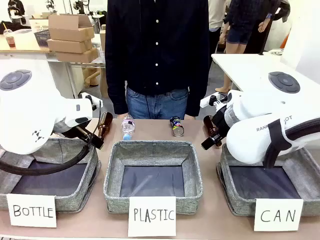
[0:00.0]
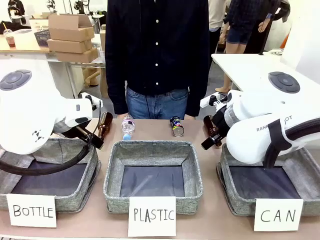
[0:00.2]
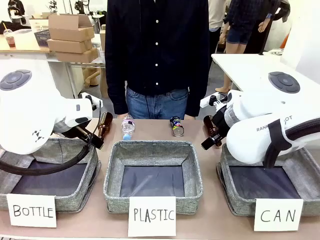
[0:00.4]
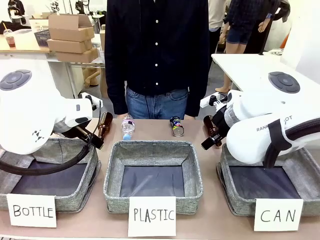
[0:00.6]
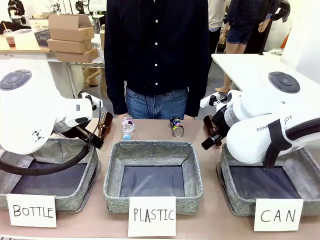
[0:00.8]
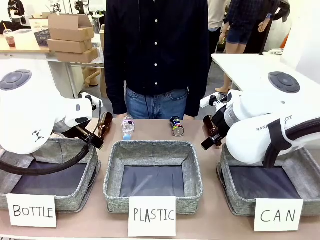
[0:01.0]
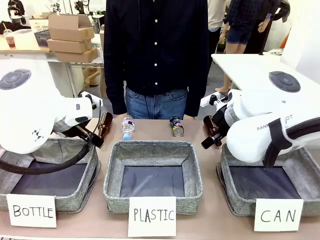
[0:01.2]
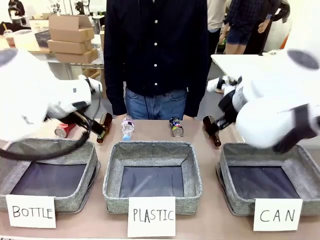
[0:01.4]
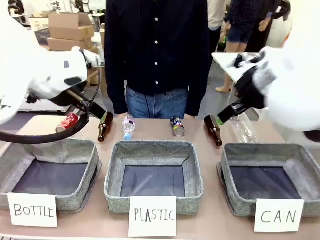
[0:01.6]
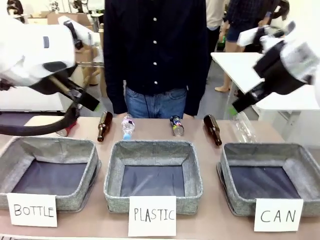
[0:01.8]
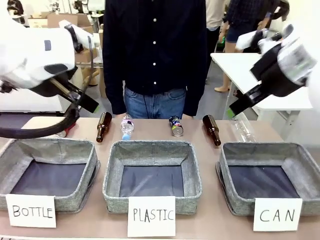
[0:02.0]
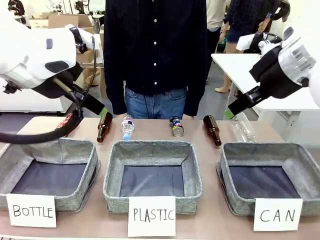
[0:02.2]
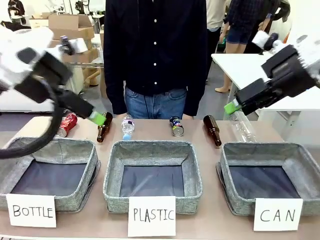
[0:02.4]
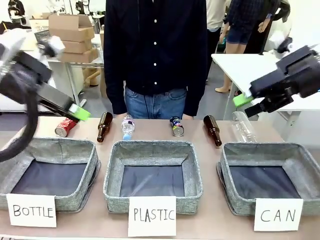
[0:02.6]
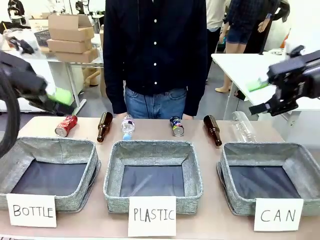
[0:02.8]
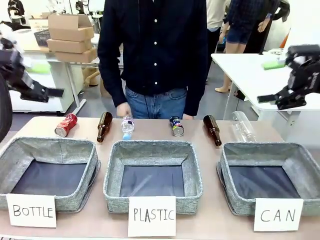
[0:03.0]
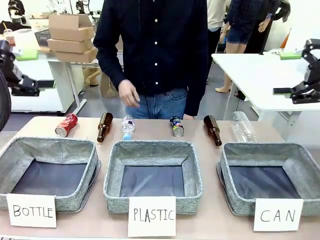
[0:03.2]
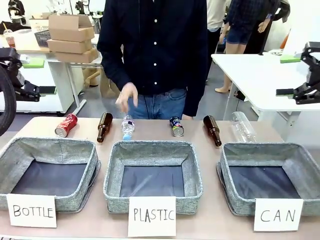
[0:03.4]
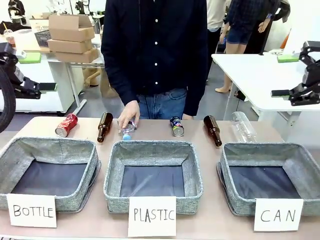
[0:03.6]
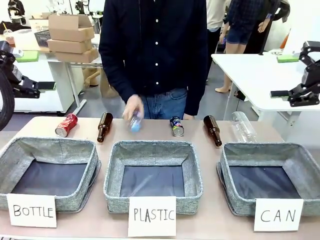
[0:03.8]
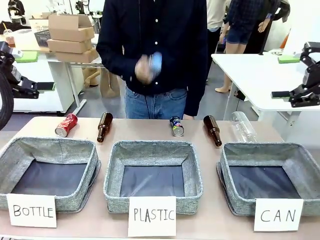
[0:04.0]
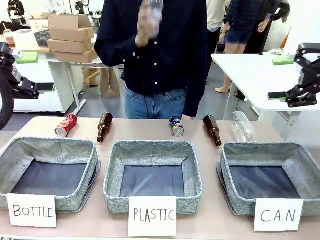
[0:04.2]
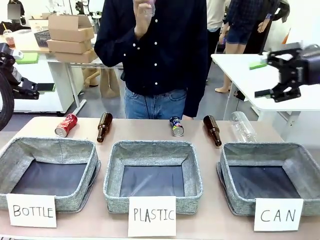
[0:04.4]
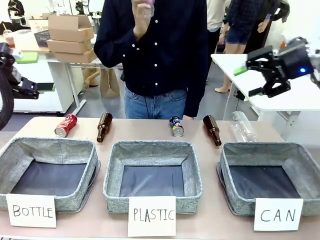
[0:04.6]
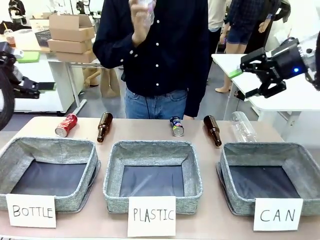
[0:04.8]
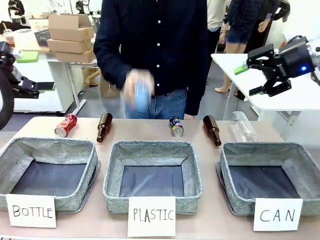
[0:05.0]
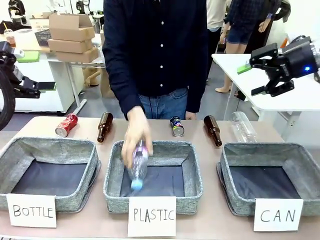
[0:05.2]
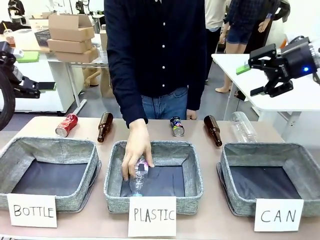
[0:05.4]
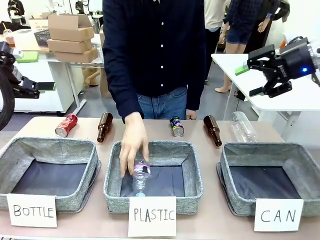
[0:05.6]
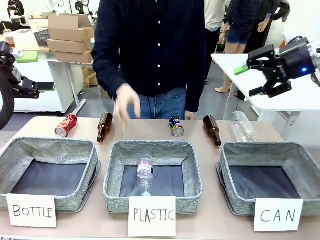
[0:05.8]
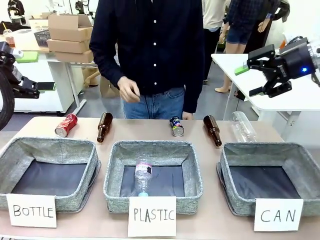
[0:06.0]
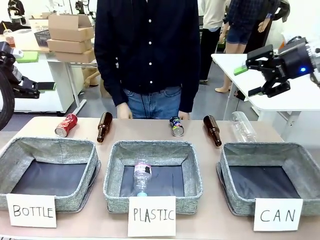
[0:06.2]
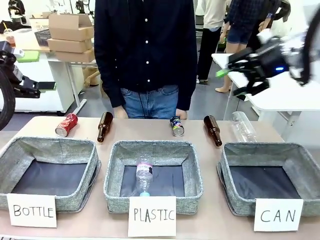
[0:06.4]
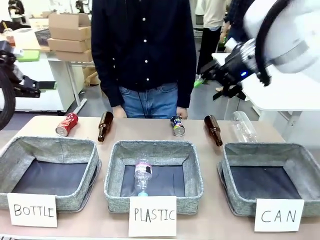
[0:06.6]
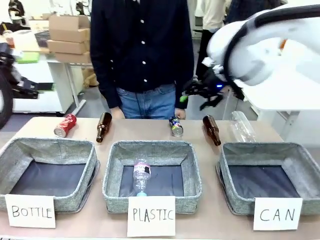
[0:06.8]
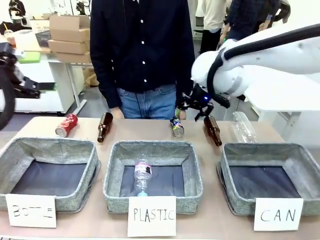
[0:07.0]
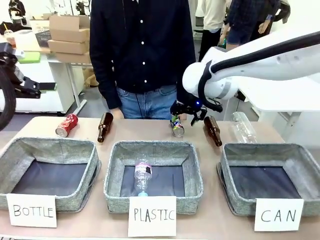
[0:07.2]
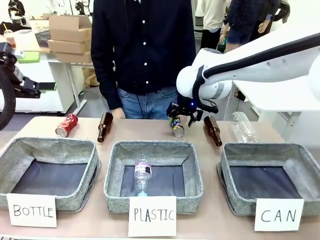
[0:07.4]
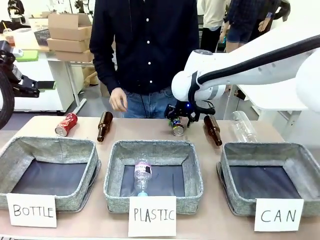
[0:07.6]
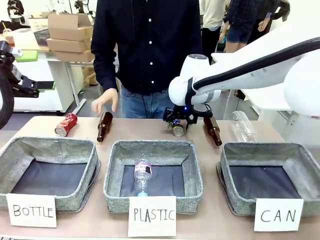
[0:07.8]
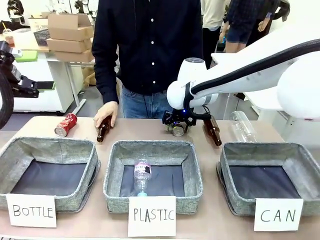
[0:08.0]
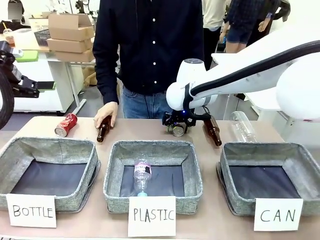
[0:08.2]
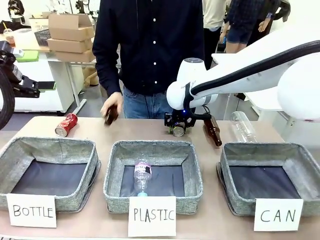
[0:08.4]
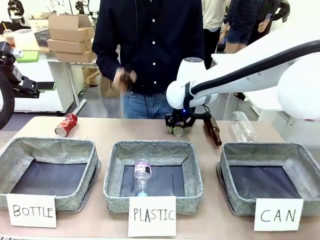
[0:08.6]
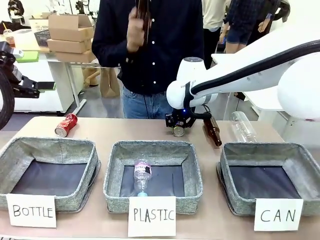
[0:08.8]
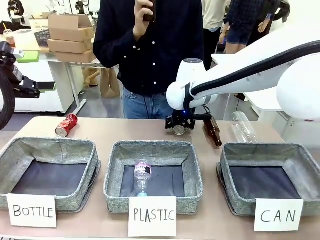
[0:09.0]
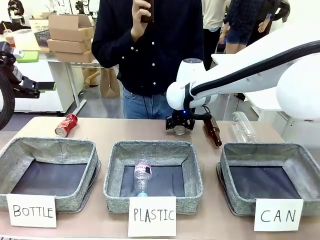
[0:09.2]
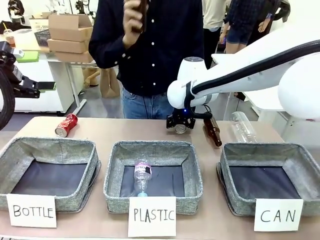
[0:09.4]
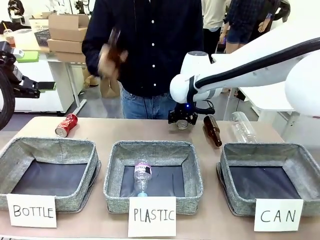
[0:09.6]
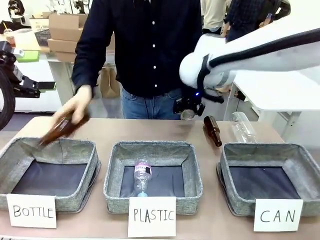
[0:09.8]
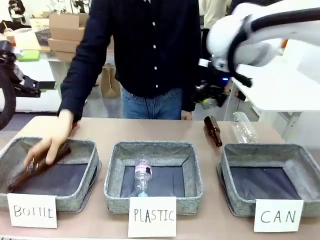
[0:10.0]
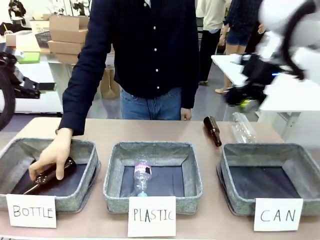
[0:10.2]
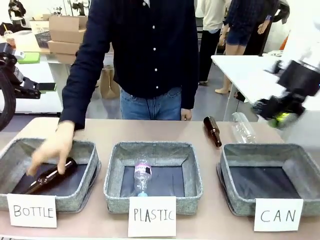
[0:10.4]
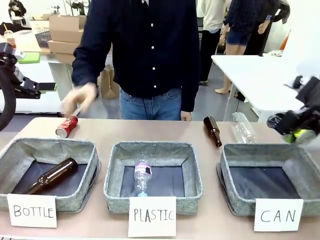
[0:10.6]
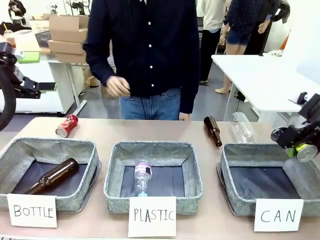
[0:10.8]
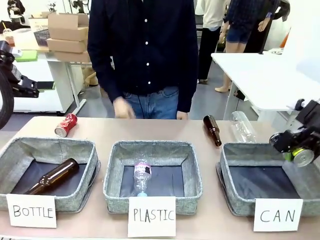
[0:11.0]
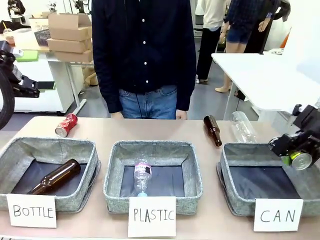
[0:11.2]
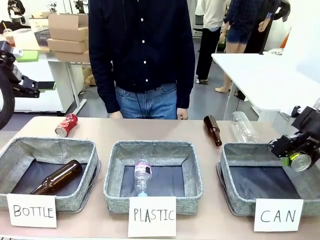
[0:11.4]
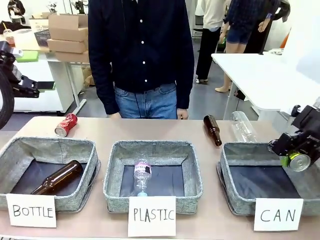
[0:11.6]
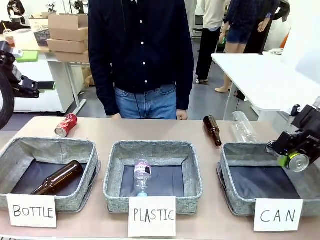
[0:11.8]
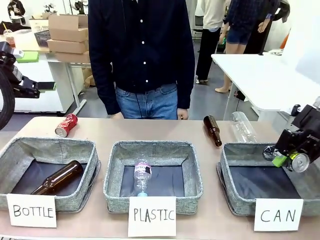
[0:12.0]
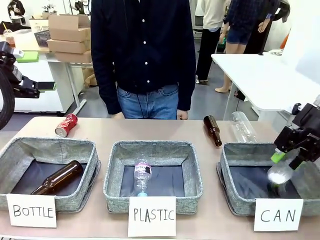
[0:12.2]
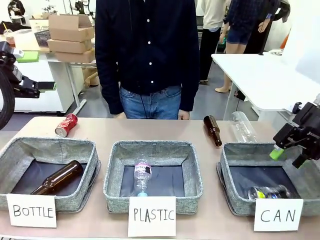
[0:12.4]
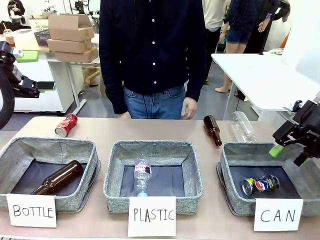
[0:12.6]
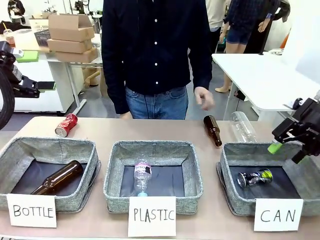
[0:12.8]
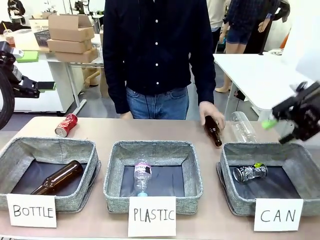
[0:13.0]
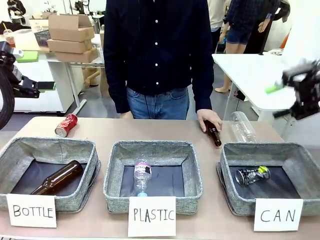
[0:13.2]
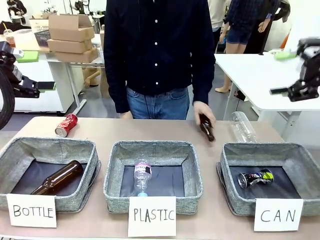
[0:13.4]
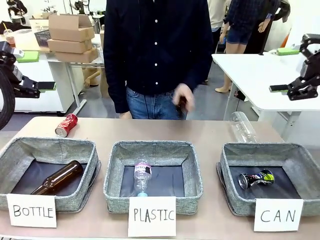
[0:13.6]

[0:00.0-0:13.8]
Task: Sort the can waste into the basket.
Robot: Pick up the can waste from the table and place it in the right Fabric basket.
